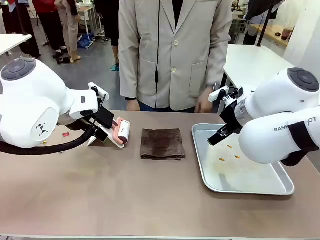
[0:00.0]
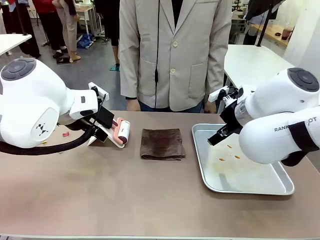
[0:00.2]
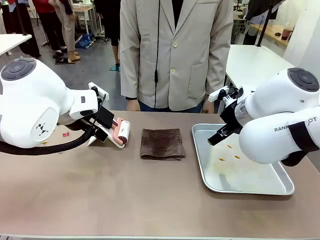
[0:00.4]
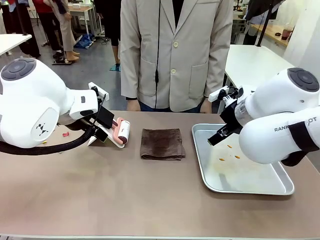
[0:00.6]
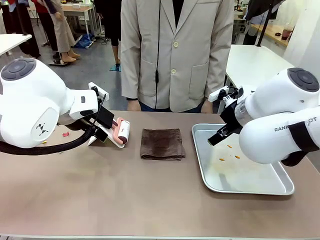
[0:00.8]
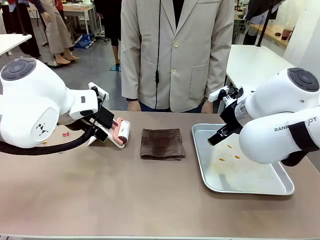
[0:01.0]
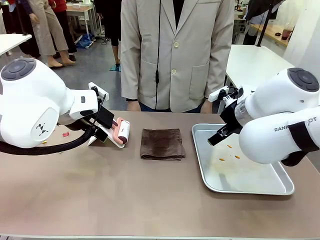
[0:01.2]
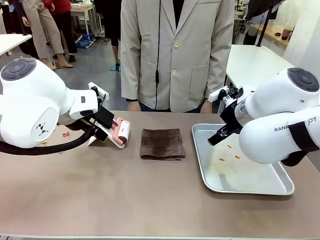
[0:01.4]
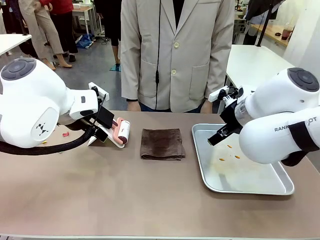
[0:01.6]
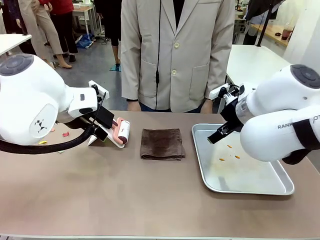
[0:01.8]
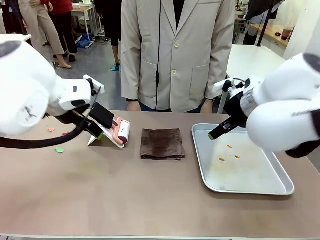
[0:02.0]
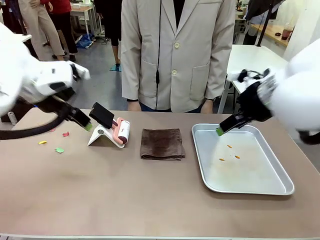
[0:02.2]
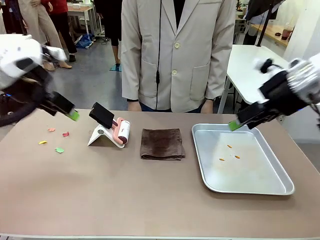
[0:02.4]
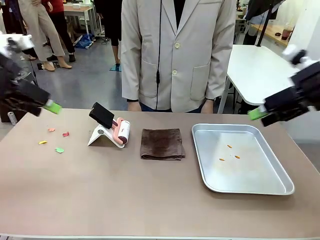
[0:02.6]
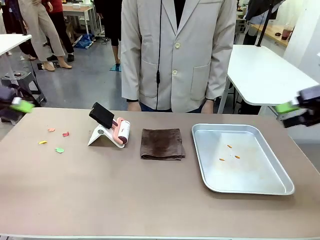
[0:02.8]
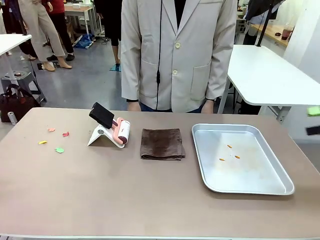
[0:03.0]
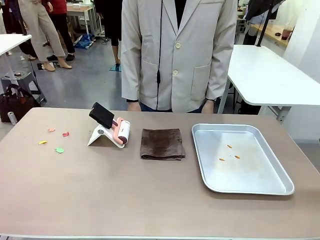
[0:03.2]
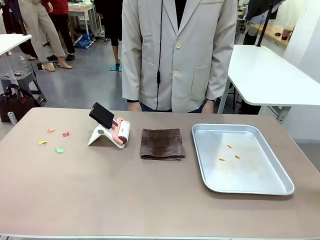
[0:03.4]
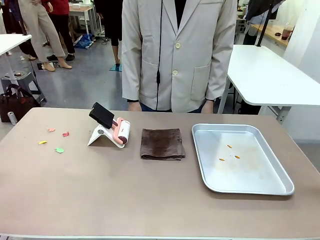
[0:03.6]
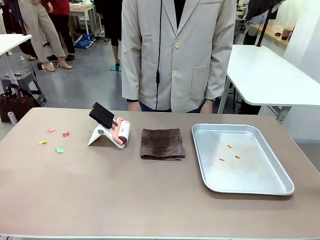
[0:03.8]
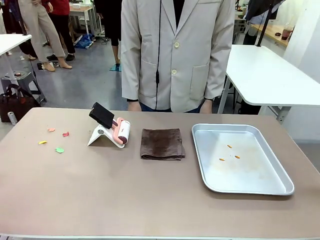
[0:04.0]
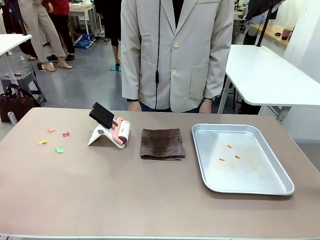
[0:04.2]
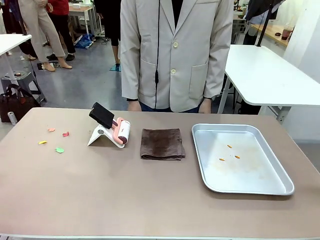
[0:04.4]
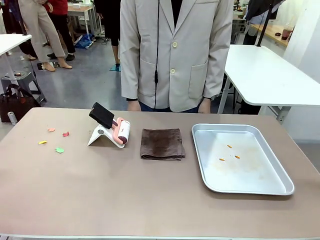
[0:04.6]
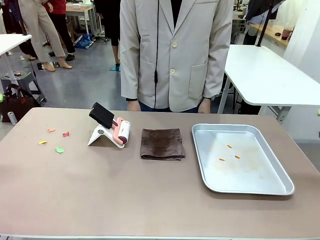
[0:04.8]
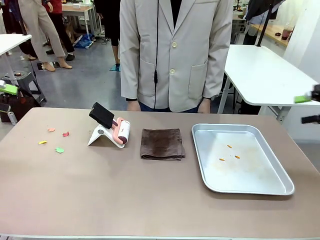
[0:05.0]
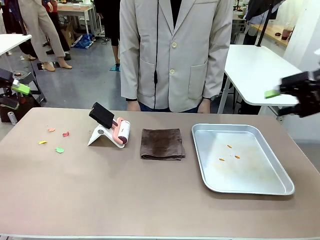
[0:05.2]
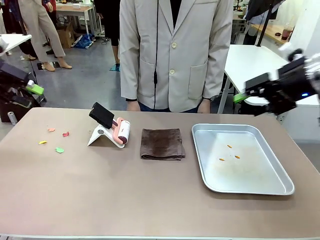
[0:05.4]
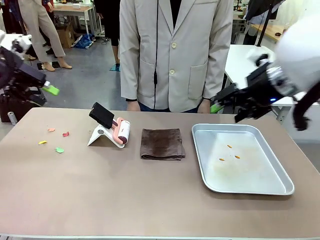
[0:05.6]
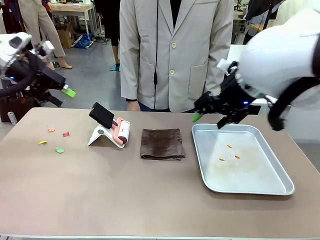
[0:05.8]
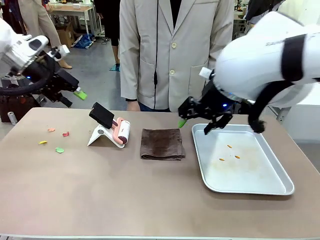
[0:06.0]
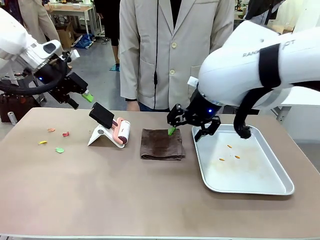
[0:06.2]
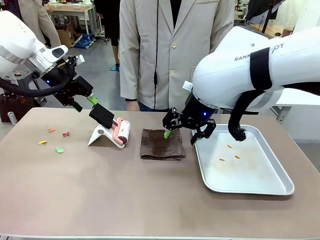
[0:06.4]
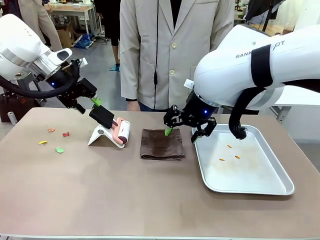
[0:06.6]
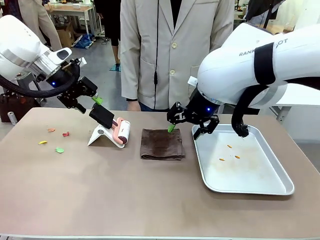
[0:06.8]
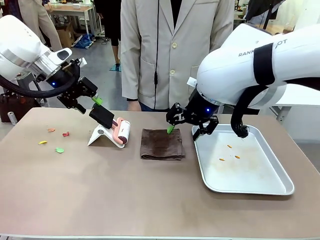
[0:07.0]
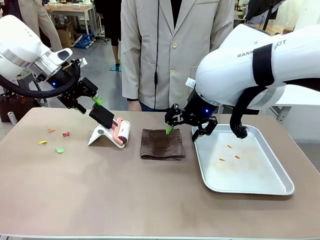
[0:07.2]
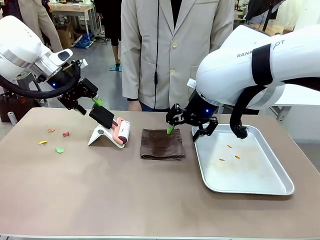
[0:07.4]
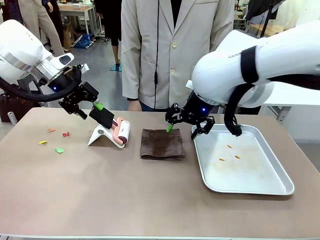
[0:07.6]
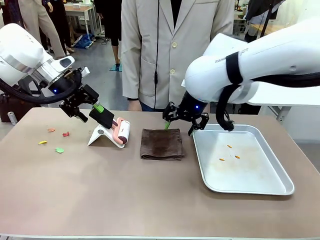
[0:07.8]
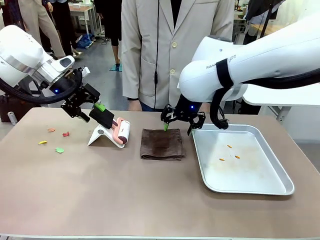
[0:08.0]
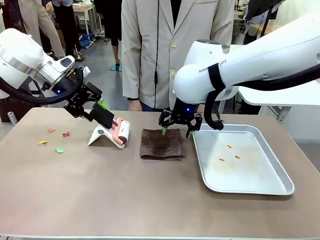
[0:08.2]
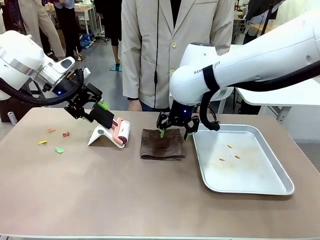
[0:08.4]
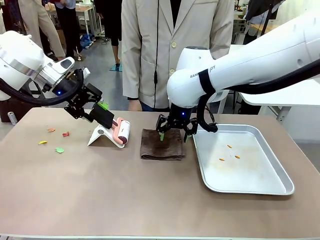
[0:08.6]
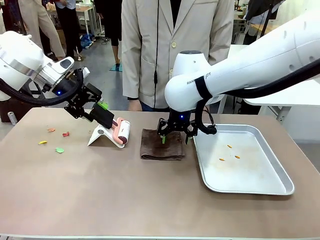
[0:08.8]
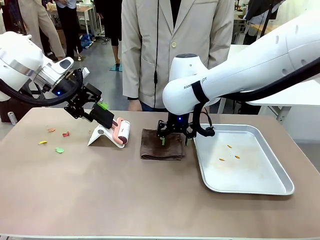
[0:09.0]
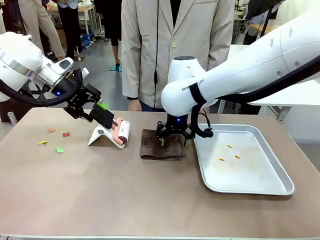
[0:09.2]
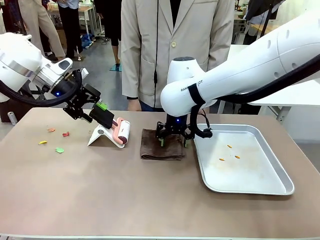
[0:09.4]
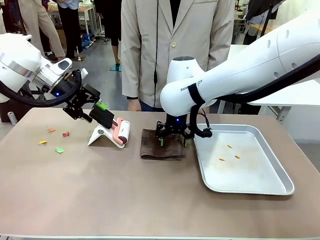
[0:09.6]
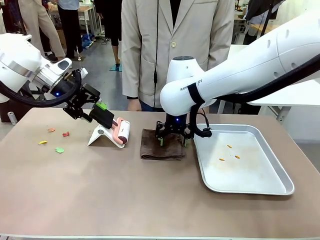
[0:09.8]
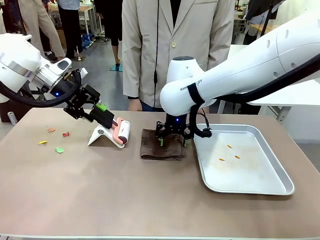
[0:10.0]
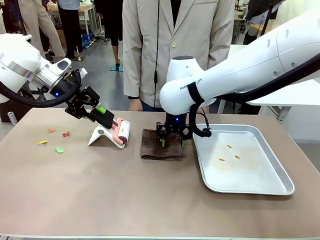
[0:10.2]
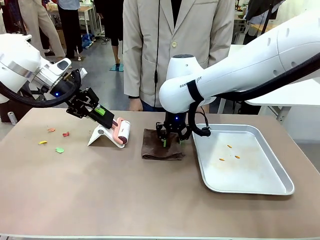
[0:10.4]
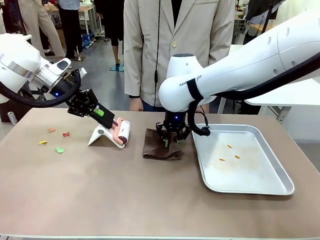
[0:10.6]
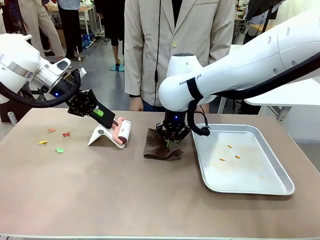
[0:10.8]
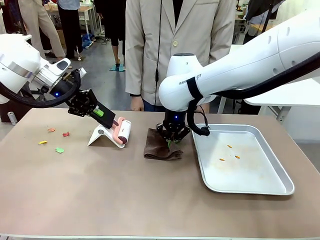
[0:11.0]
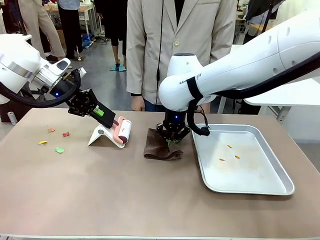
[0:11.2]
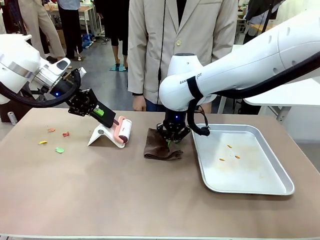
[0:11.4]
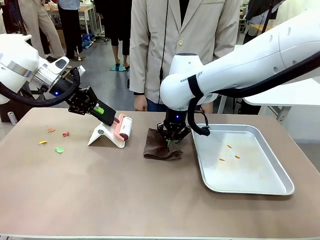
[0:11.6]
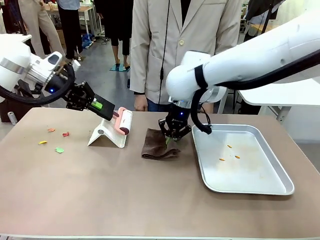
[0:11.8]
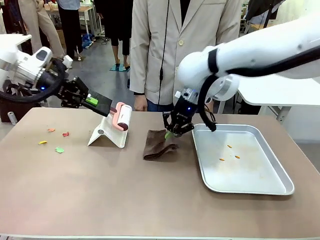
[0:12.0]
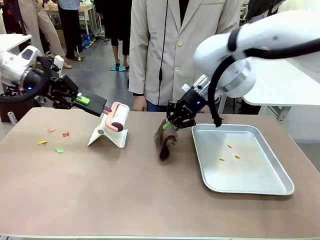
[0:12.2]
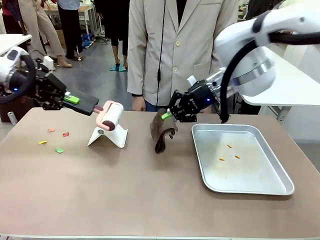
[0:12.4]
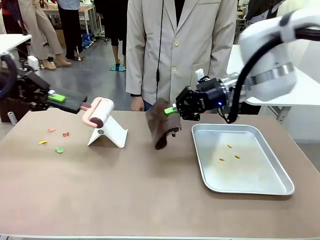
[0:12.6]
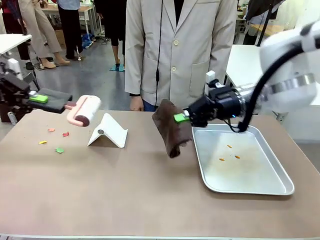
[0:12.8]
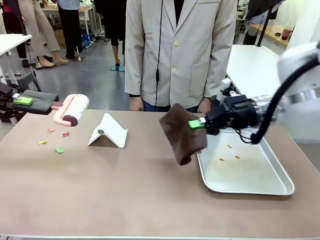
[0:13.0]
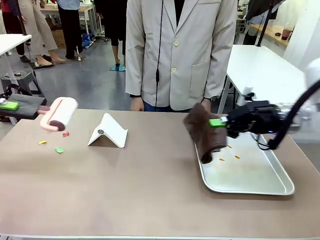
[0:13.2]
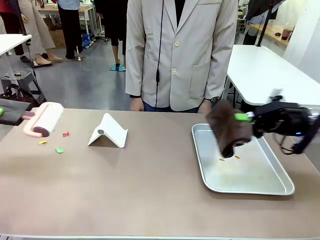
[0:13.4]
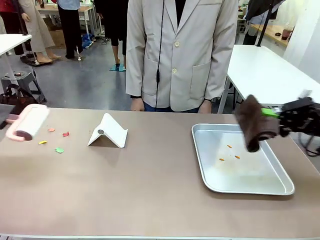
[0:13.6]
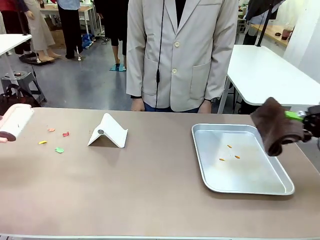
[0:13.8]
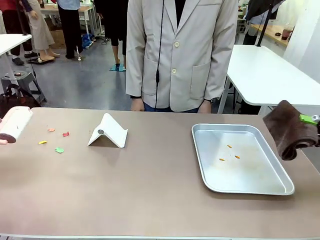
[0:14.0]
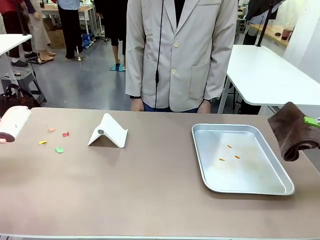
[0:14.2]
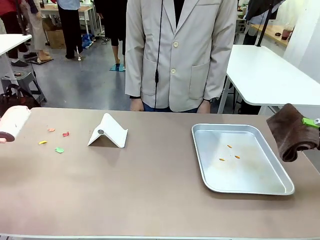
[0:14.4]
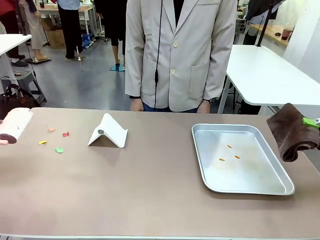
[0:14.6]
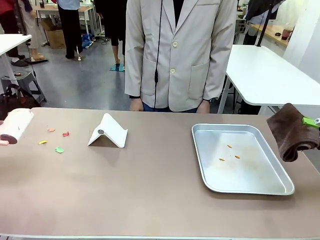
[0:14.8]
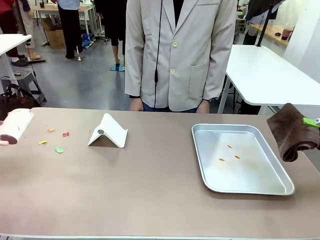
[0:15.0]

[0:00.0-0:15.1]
Task: Clean the surface of the table.
Robot: Hold the Lint Roller with your left hand and the towel with your right hand.

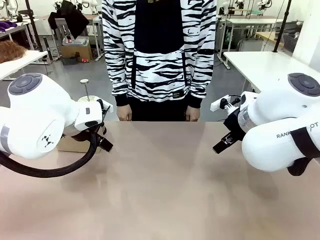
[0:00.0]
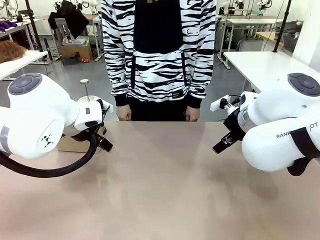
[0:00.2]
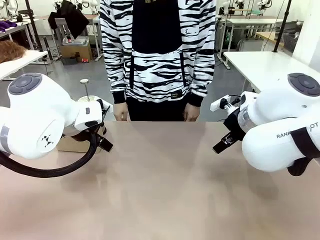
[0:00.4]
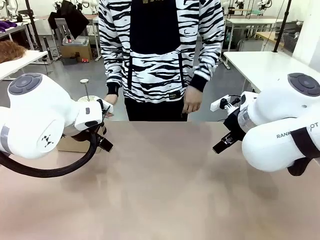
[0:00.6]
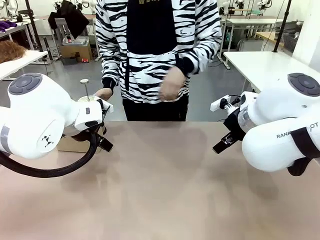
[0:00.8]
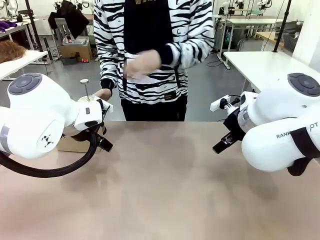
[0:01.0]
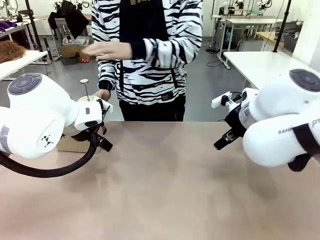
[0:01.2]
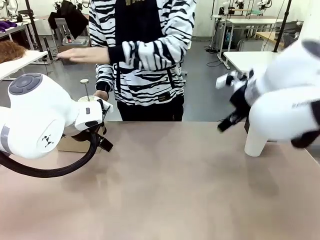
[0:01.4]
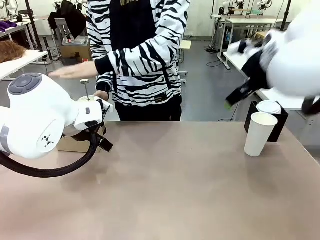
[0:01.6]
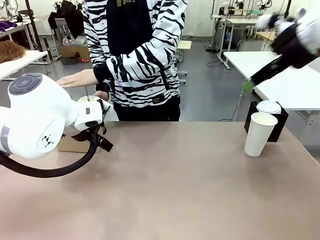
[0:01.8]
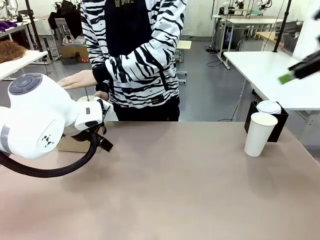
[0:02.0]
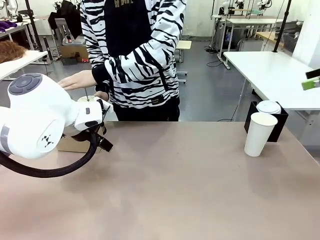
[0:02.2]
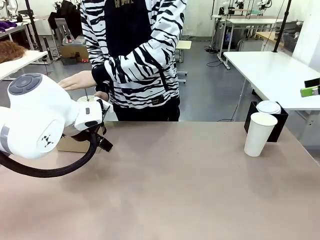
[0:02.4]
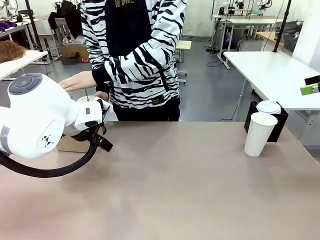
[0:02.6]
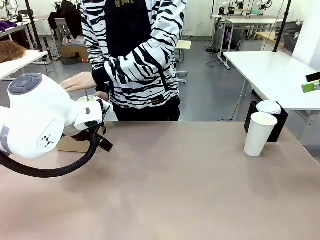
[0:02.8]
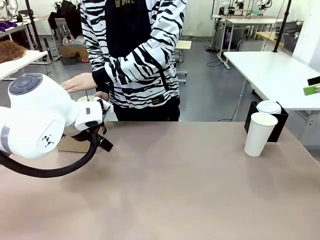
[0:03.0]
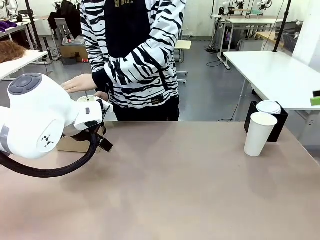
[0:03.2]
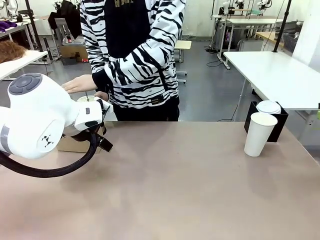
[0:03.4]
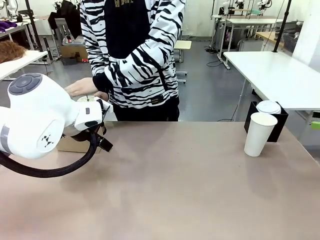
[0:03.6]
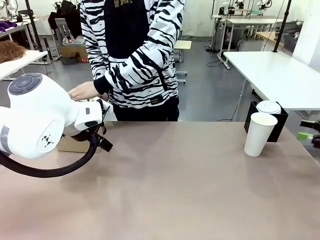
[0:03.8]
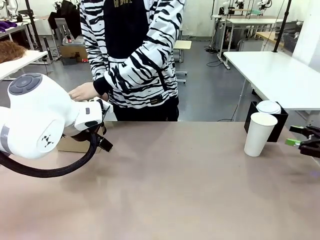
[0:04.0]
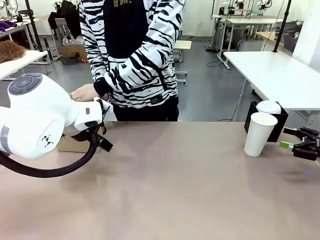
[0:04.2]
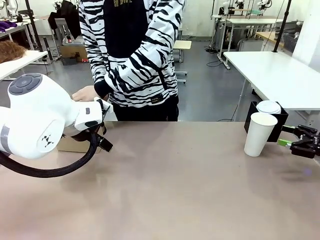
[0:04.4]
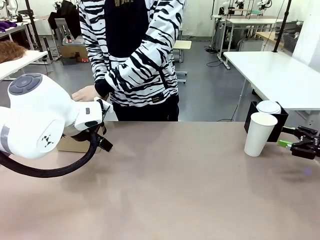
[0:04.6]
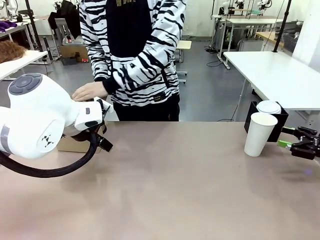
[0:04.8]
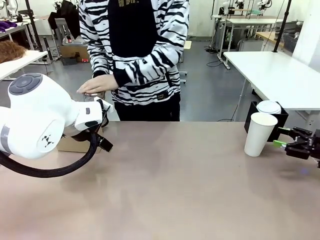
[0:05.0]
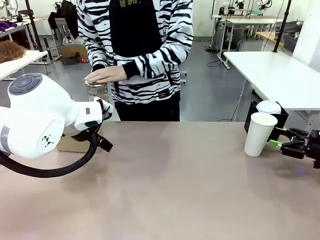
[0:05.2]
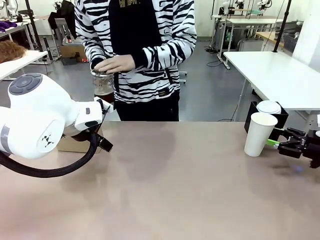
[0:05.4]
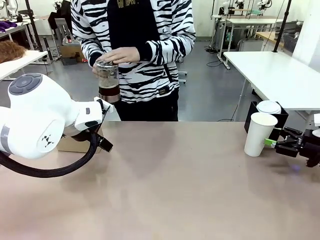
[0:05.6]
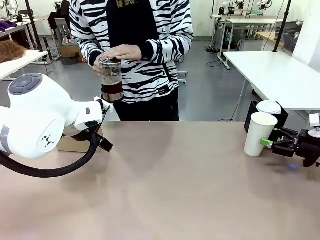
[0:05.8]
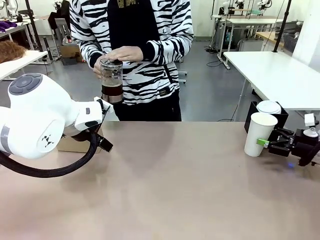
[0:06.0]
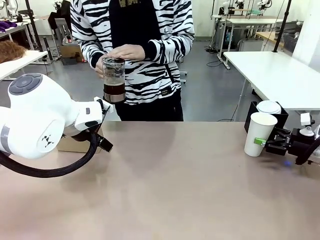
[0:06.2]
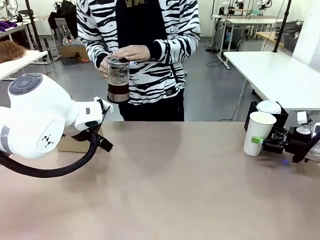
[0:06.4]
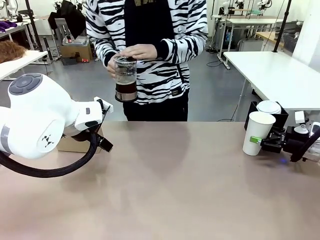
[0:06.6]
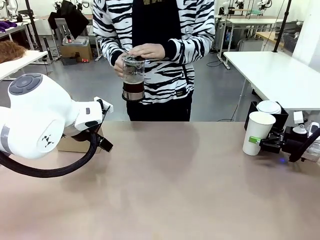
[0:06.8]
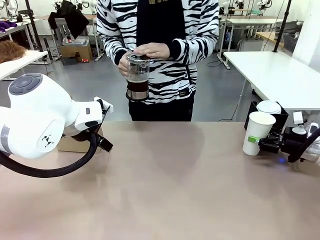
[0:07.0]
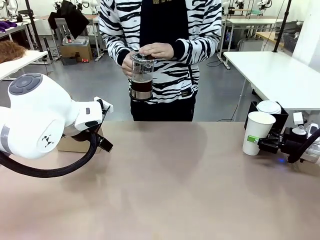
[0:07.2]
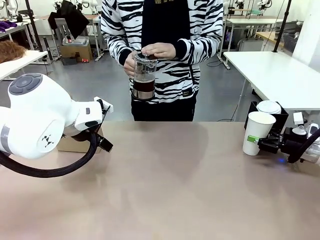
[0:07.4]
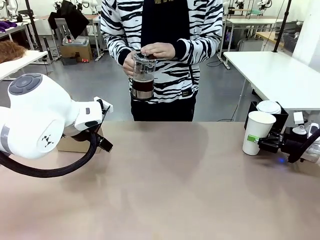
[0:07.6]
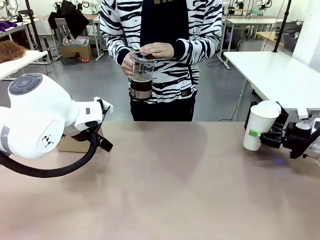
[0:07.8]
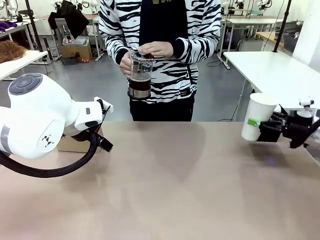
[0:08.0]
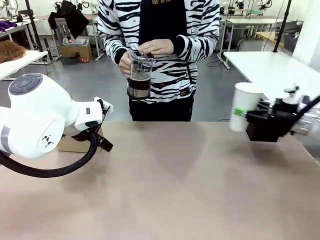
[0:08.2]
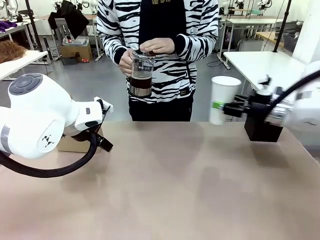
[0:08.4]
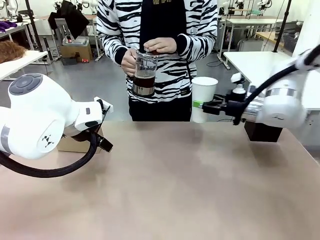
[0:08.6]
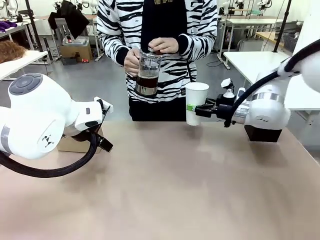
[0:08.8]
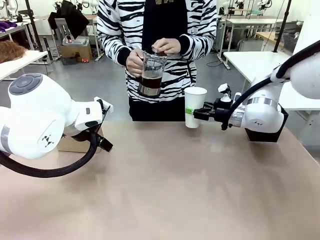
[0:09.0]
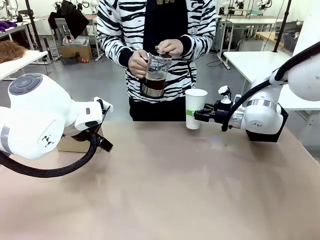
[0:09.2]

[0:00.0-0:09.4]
Task: Pour a drink into a cup and package it in a carrier.
Robot: Pick up the 600 ml Paper Cup and place it in the middle top area of the table.
Person: Press and pick up the Filter Brewing.
